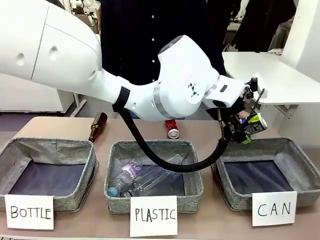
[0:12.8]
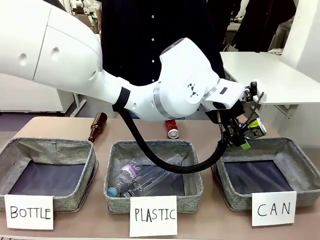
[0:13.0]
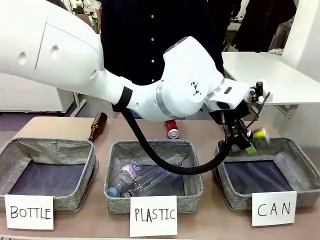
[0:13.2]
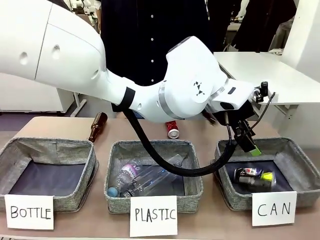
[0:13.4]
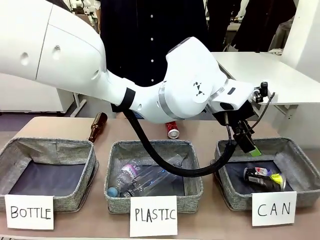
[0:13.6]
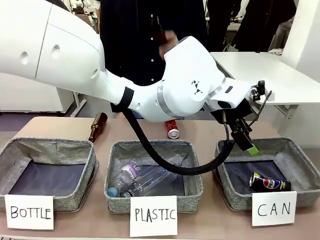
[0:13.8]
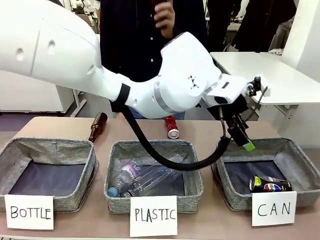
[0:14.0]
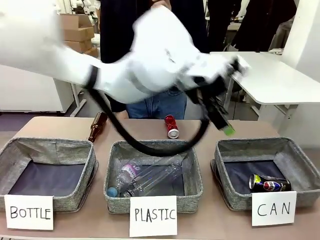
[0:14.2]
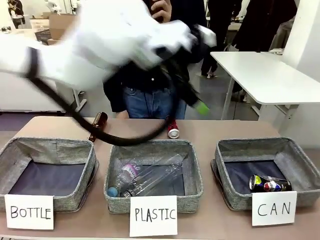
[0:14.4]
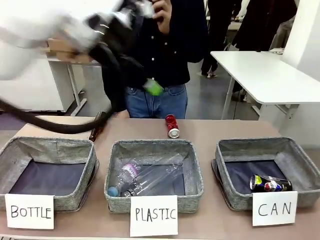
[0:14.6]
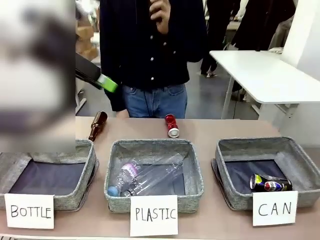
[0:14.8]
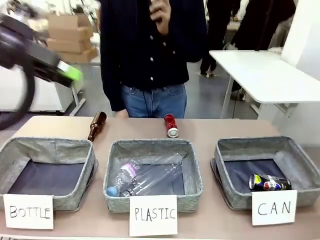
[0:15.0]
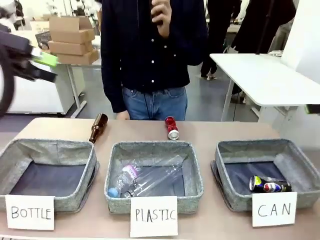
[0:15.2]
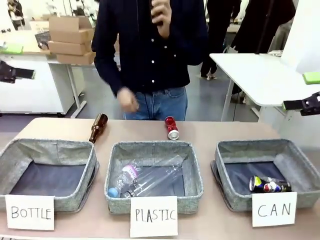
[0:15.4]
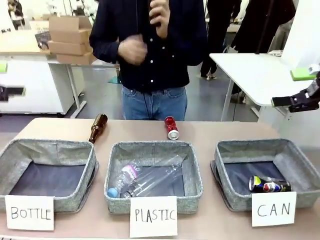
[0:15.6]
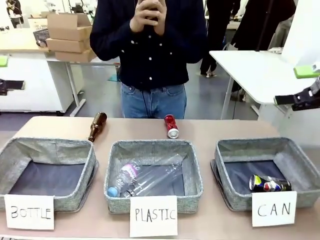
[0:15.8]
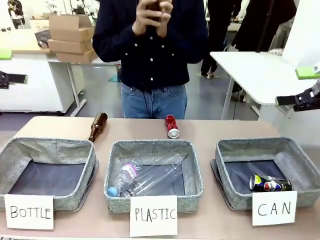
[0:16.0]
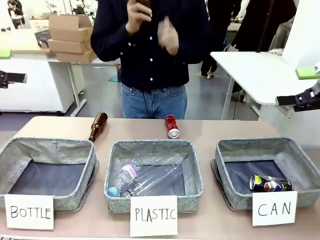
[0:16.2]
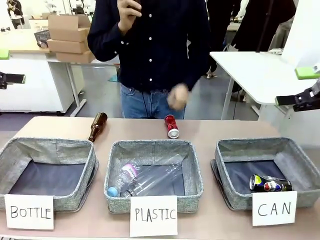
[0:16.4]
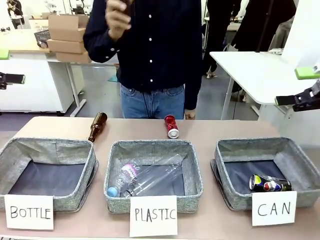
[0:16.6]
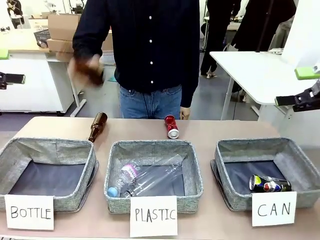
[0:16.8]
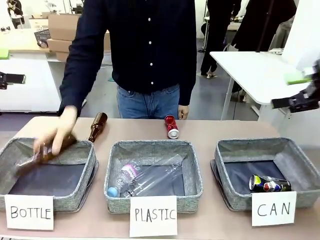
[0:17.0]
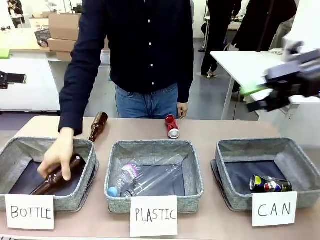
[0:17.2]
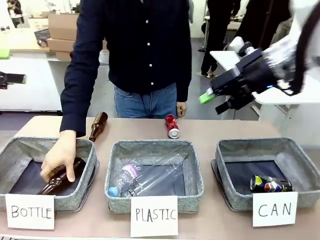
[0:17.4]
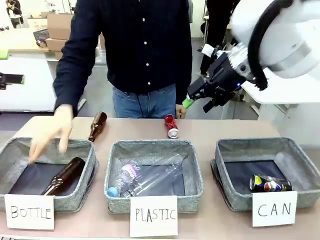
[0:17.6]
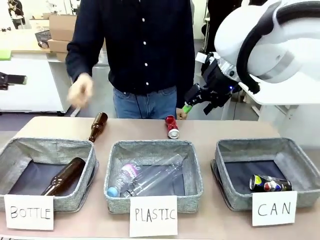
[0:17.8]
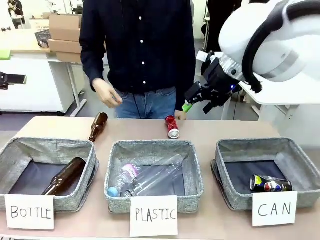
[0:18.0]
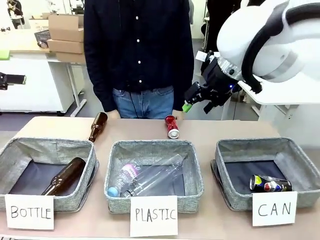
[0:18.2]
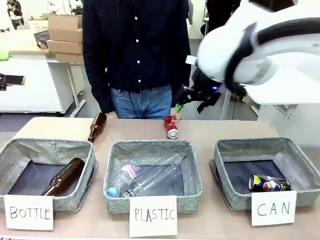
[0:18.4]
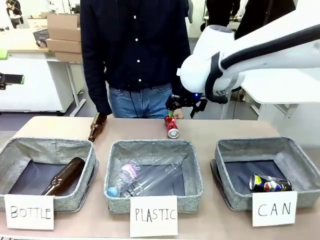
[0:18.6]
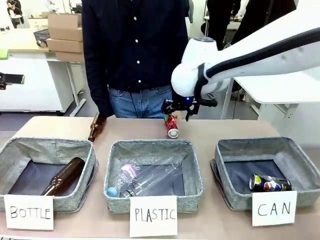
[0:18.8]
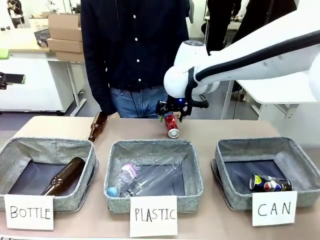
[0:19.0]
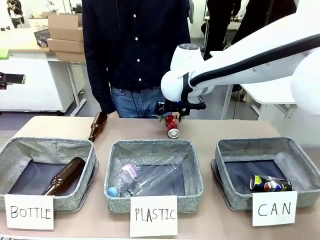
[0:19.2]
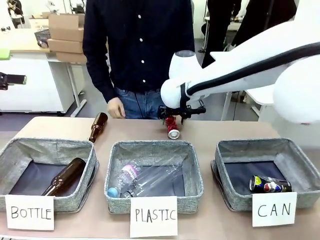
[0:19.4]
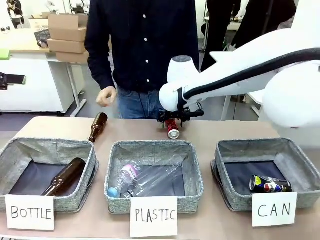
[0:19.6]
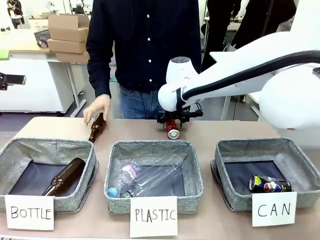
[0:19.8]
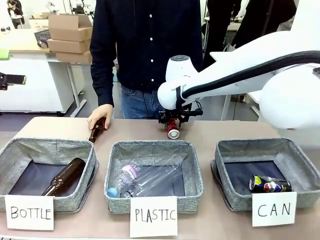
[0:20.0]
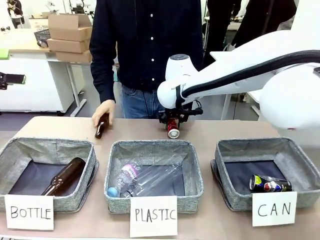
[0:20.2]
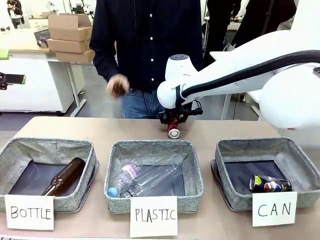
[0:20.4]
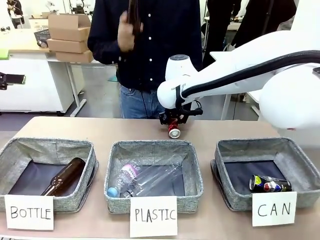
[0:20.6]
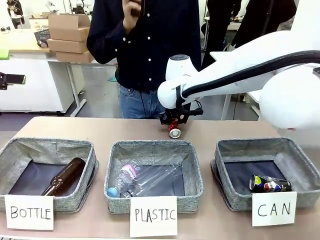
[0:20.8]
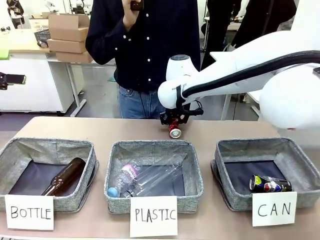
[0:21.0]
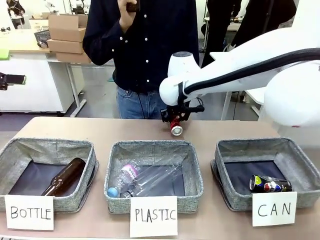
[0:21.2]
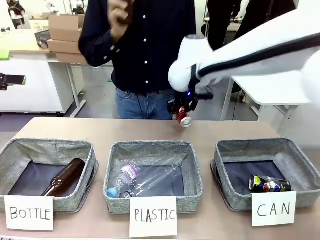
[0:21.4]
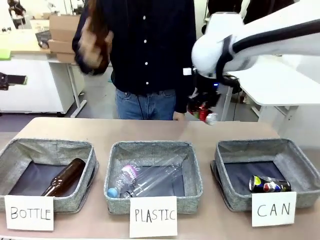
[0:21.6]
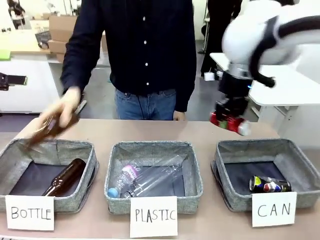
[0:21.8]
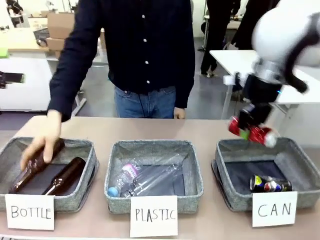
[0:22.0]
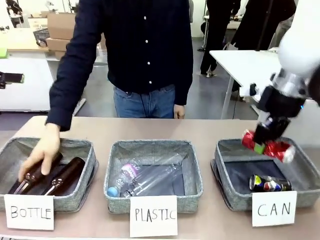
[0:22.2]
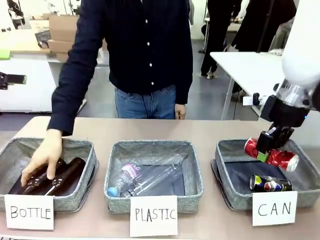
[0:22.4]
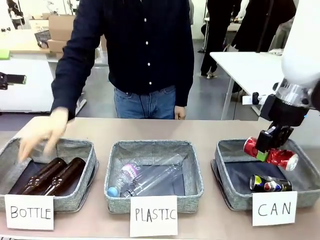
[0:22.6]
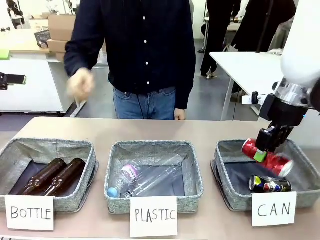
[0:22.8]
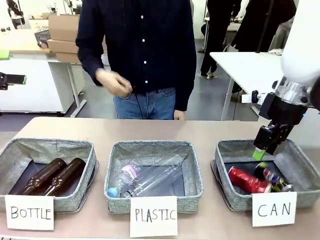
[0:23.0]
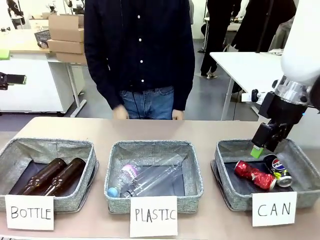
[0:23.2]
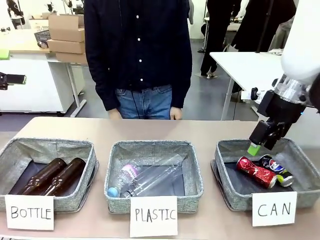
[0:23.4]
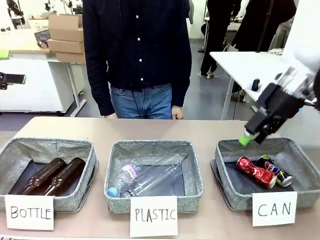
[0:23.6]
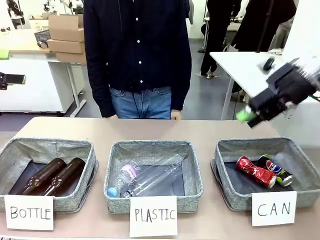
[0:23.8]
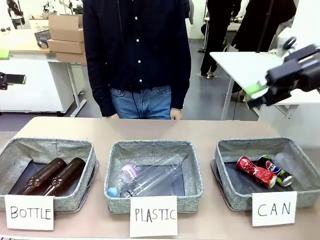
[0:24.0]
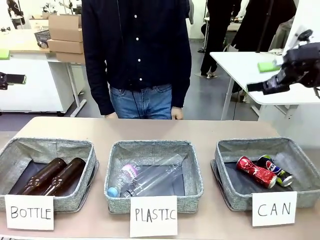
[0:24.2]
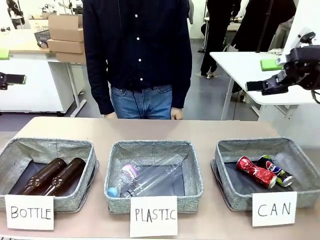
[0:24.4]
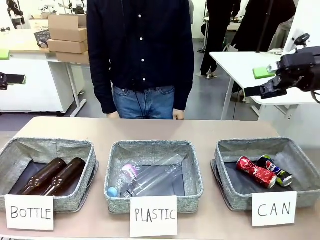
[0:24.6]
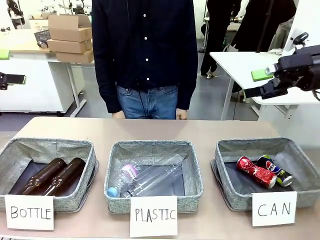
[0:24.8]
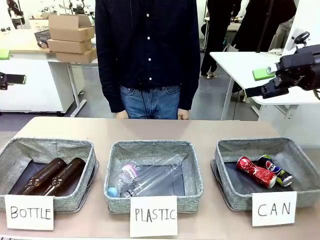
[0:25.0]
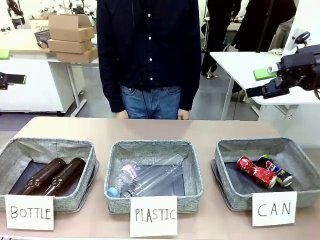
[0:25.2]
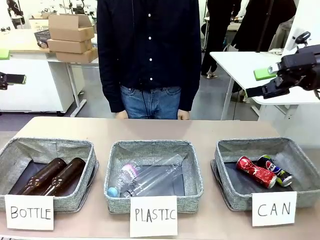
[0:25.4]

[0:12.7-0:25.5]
Task: Sort the can waste into the basket.
Robot: Pick up the can waste from the table and place it in the right Fabric basket.
Person: The human picks up one piece of trash that is not a can and places the trash into the appropriate organizing basket.

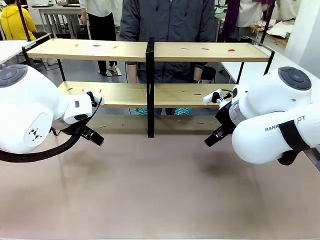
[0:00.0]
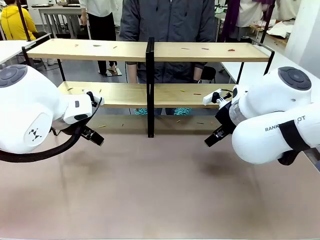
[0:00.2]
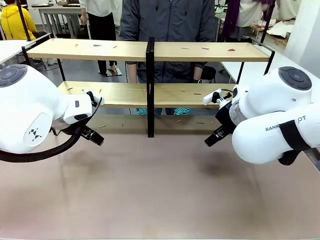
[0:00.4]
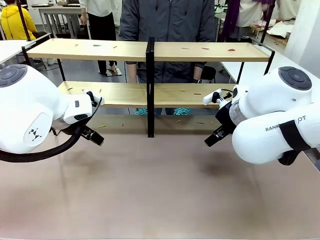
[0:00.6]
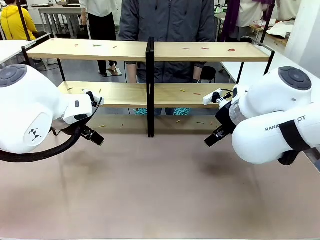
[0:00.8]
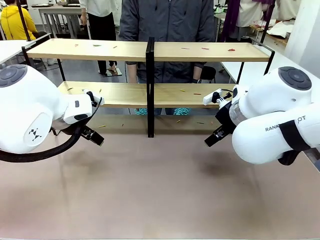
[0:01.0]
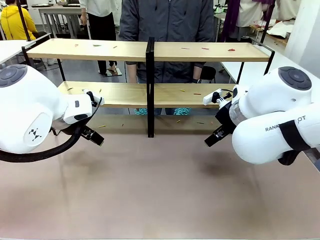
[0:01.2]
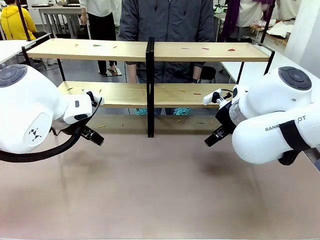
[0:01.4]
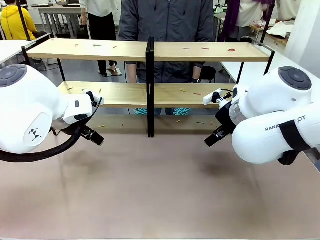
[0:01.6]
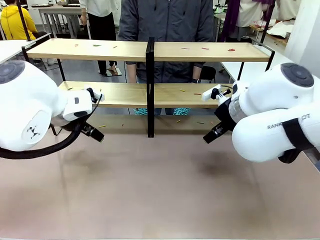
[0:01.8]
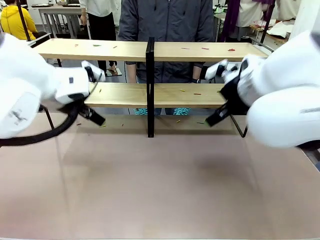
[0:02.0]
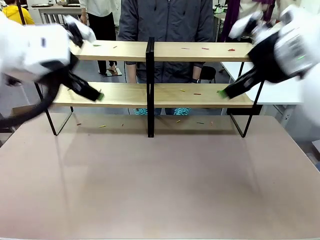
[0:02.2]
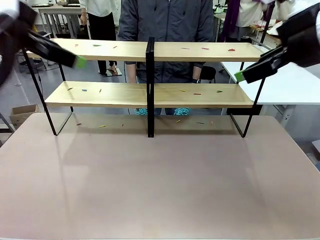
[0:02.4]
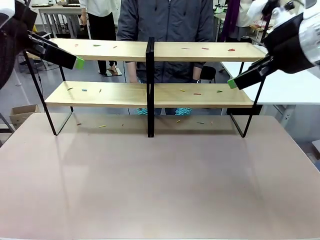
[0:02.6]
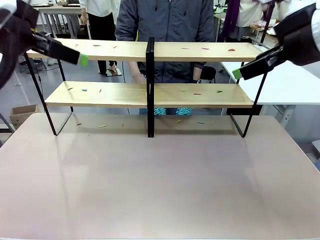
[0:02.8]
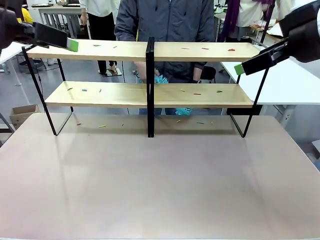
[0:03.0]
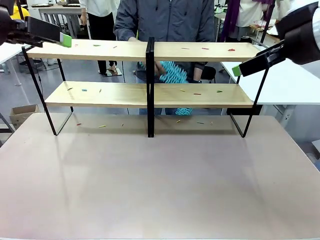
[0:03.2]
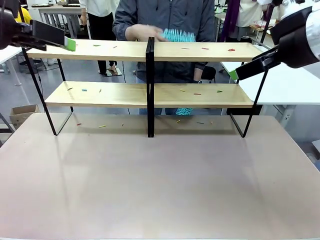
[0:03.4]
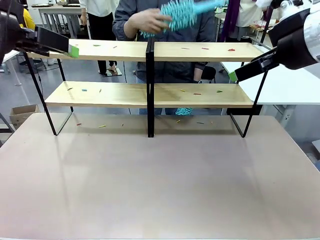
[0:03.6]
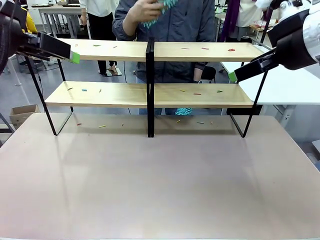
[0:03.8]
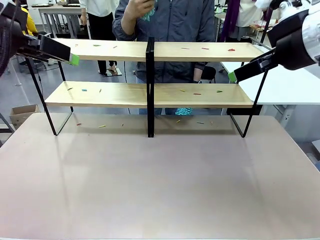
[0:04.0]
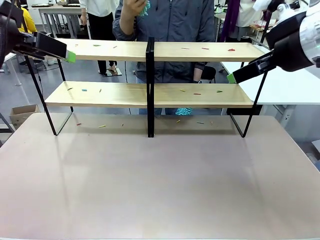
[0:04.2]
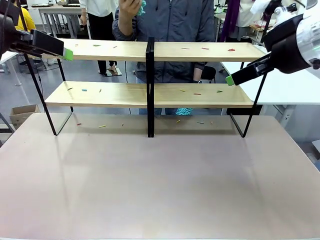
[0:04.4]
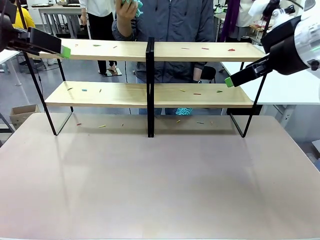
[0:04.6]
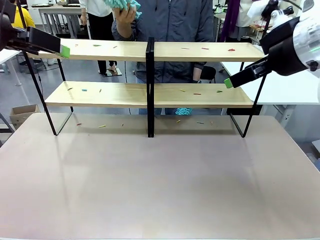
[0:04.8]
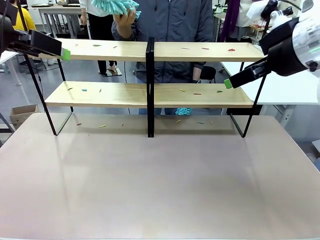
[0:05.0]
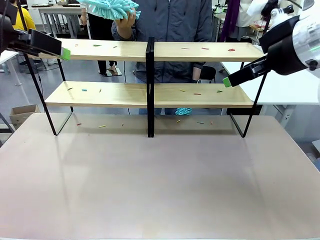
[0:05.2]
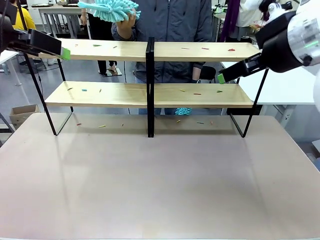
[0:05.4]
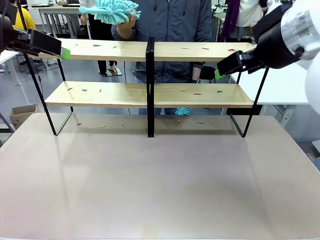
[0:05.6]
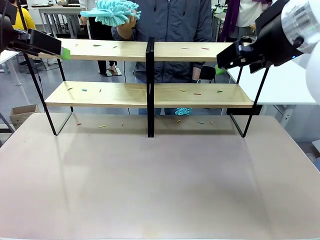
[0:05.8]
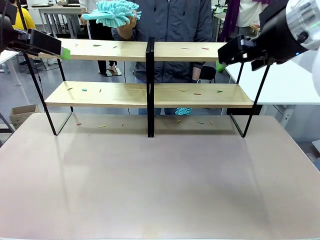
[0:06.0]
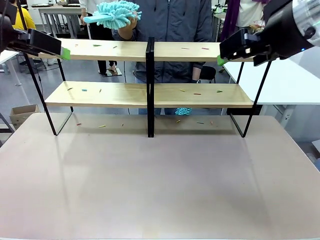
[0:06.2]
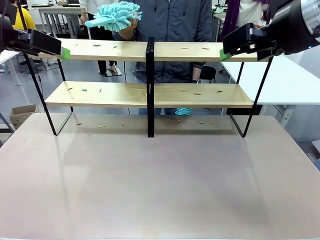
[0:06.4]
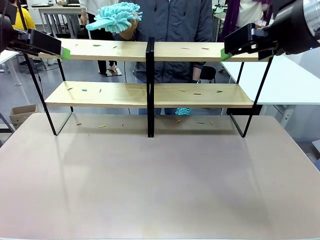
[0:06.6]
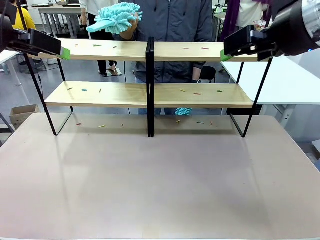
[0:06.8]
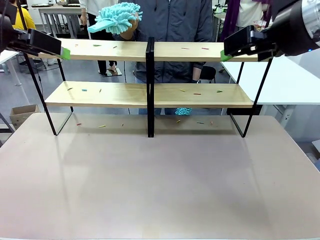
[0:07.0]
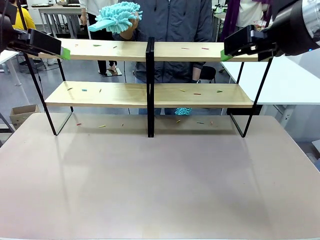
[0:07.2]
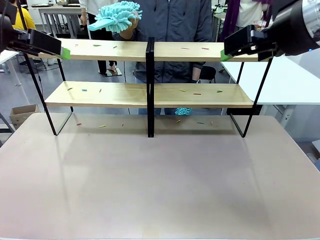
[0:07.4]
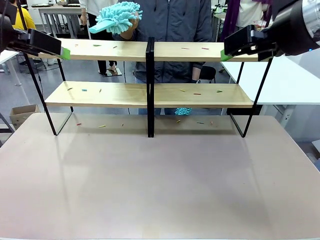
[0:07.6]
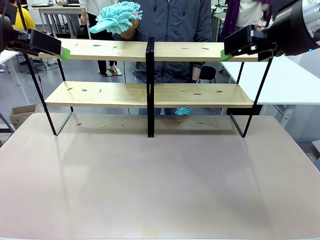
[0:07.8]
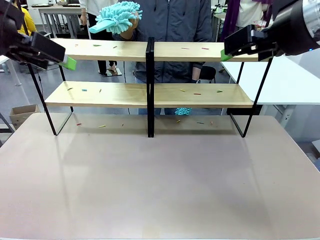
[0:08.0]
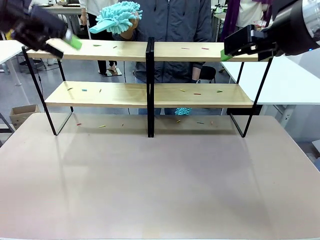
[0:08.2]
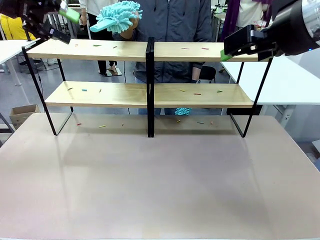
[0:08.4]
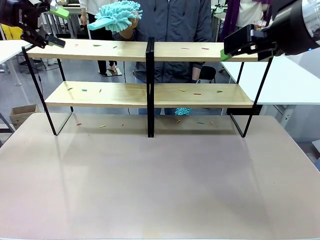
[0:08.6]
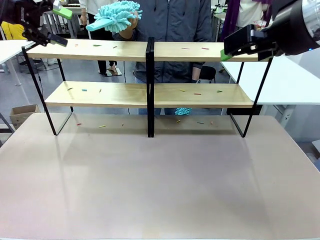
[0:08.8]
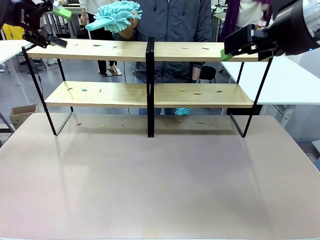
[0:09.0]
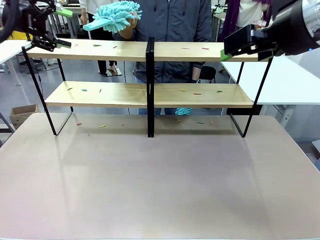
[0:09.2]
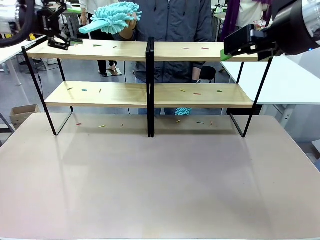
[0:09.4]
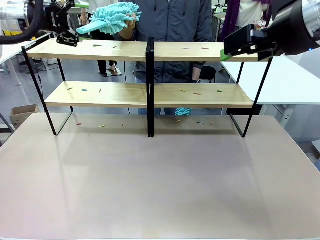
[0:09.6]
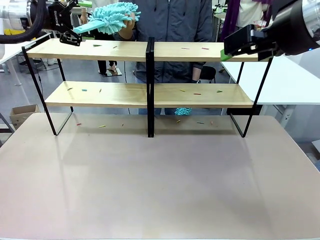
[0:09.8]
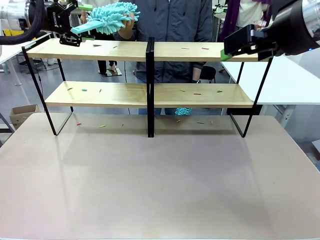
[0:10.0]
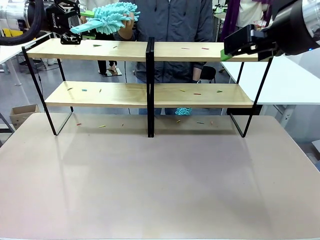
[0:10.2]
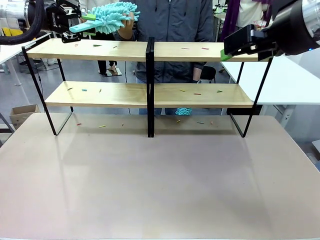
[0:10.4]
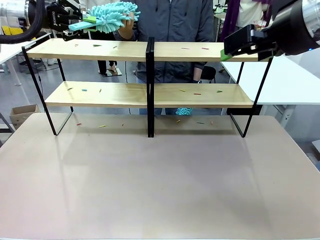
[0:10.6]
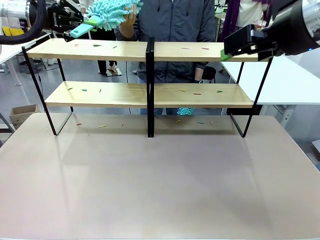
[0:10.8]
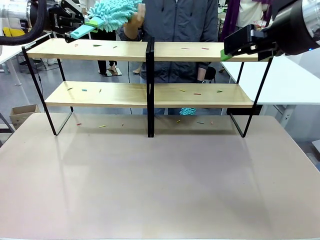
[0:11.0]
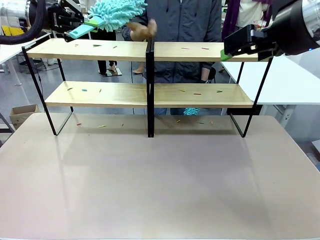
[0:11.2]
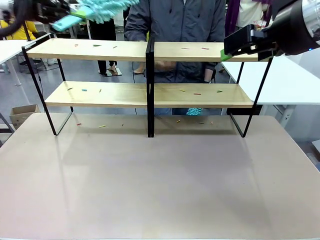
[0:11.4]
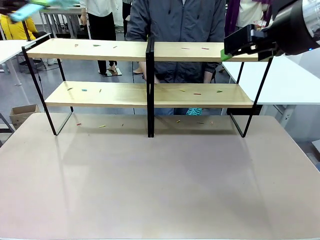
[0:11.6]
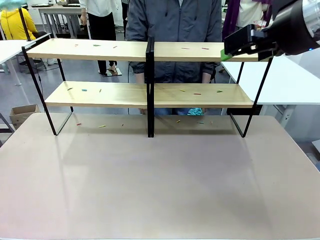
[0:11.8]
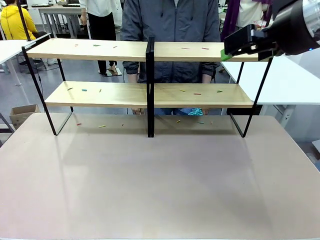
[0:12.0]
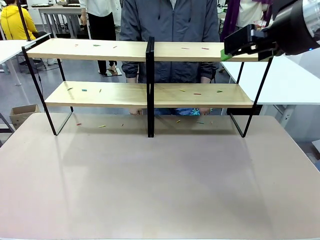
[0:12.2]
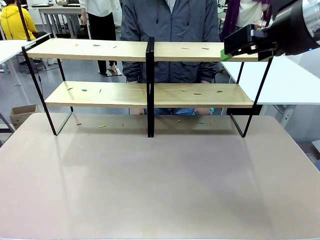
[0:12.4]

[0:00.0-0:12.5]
Task: Clean the shelves.
Robot: Pick up the Duster when the human hands it over.
Person: Hand the Duster to the robot with your right (or left) hand.
